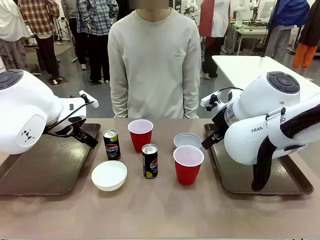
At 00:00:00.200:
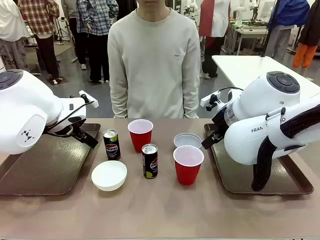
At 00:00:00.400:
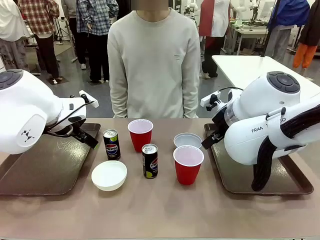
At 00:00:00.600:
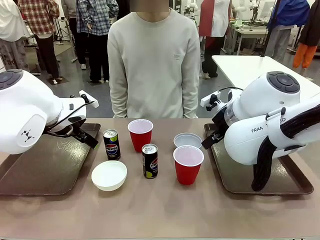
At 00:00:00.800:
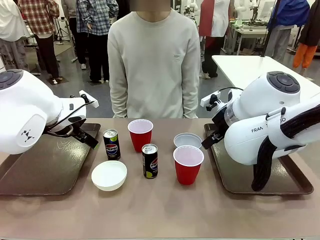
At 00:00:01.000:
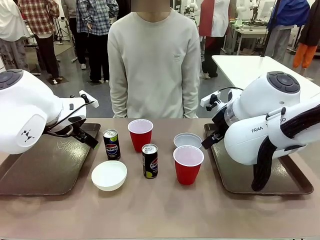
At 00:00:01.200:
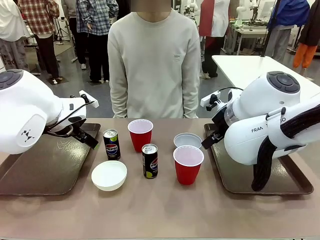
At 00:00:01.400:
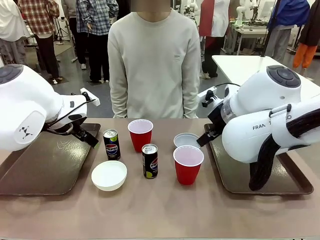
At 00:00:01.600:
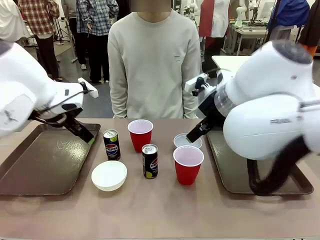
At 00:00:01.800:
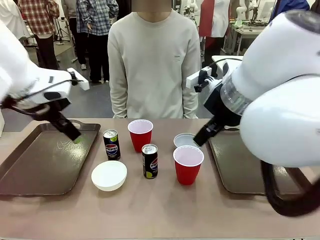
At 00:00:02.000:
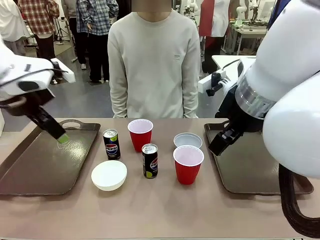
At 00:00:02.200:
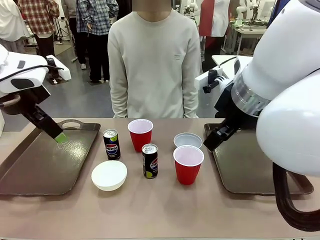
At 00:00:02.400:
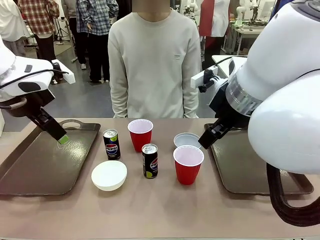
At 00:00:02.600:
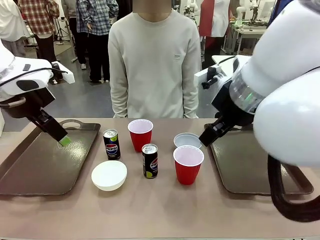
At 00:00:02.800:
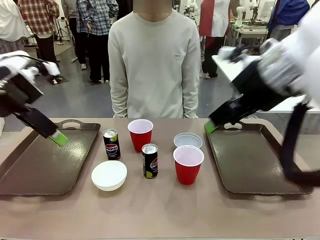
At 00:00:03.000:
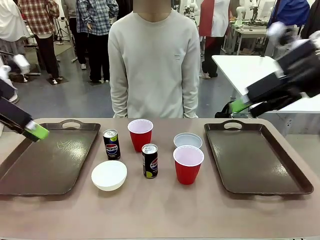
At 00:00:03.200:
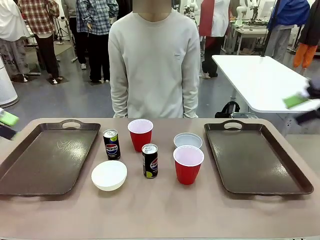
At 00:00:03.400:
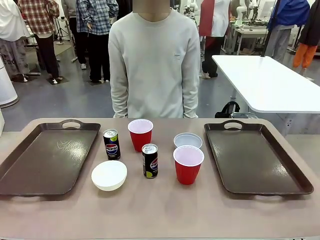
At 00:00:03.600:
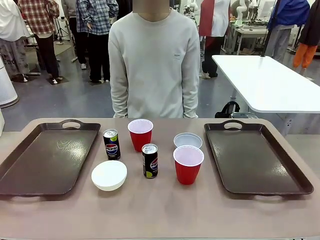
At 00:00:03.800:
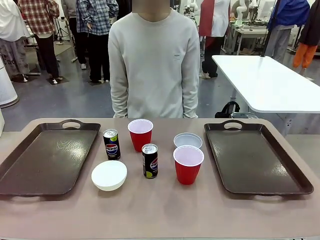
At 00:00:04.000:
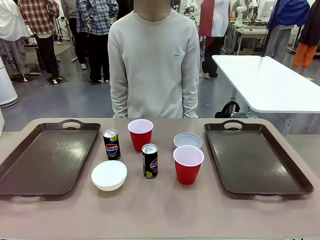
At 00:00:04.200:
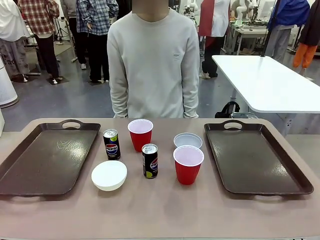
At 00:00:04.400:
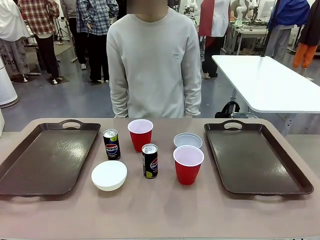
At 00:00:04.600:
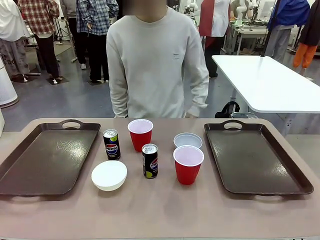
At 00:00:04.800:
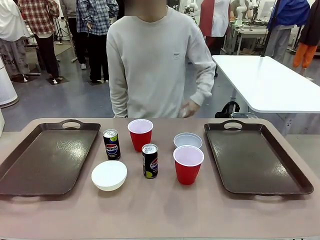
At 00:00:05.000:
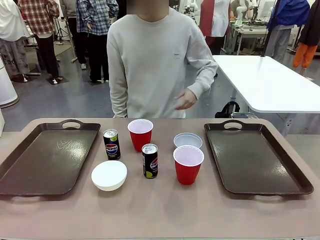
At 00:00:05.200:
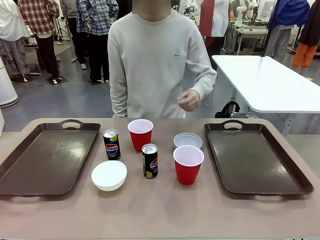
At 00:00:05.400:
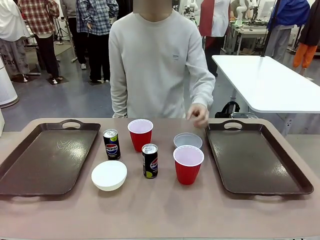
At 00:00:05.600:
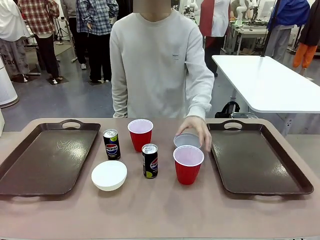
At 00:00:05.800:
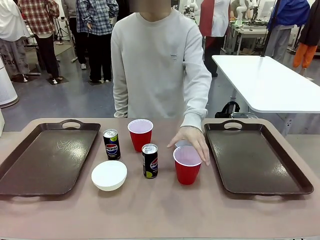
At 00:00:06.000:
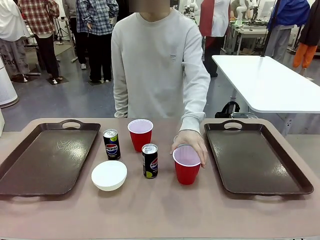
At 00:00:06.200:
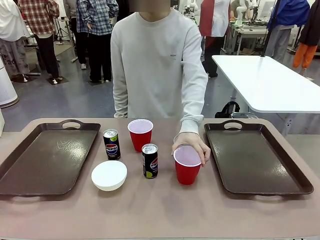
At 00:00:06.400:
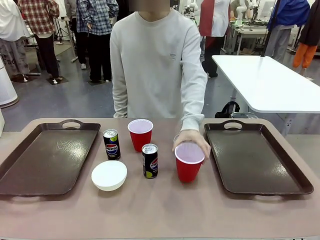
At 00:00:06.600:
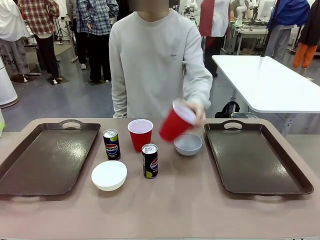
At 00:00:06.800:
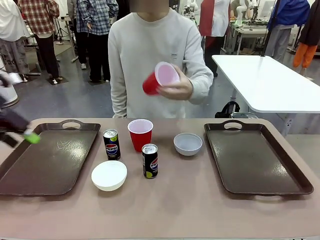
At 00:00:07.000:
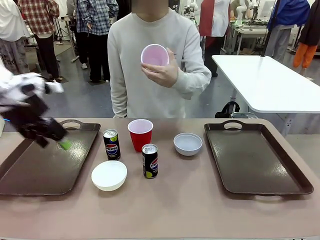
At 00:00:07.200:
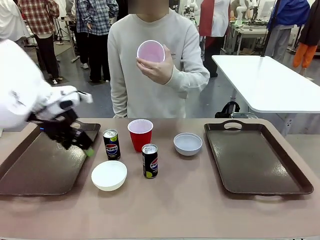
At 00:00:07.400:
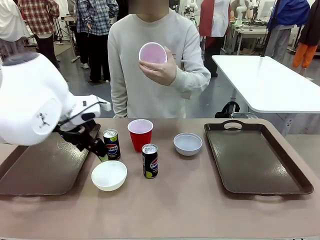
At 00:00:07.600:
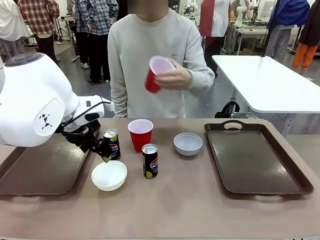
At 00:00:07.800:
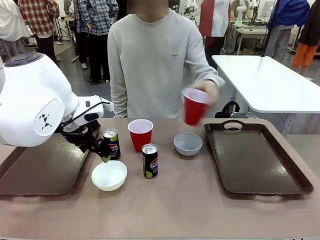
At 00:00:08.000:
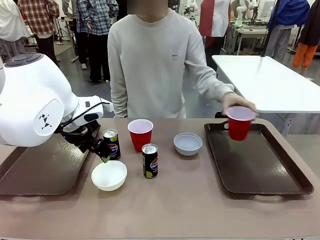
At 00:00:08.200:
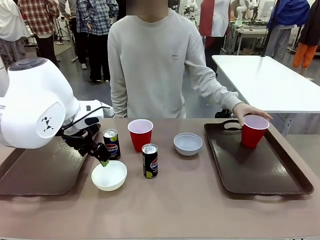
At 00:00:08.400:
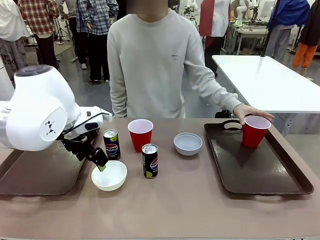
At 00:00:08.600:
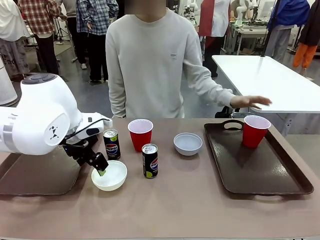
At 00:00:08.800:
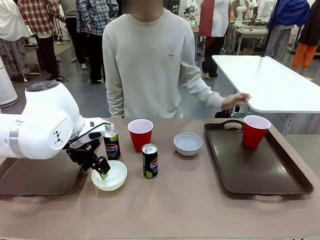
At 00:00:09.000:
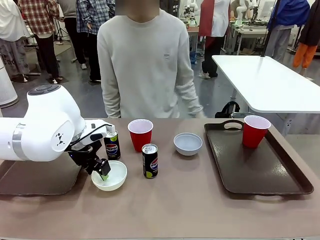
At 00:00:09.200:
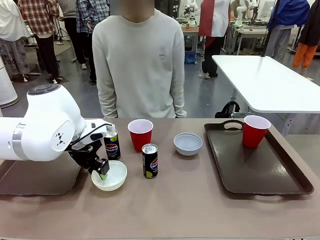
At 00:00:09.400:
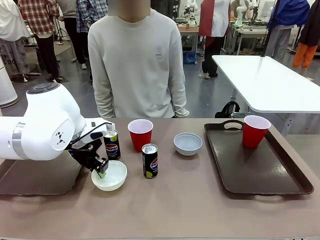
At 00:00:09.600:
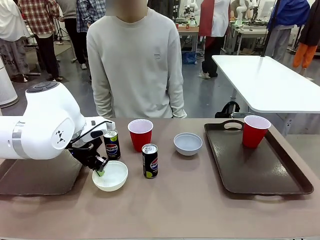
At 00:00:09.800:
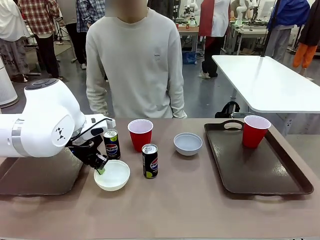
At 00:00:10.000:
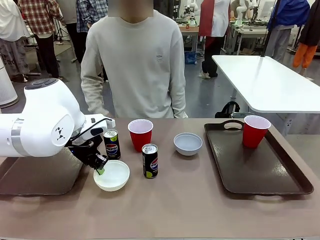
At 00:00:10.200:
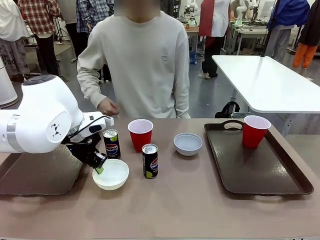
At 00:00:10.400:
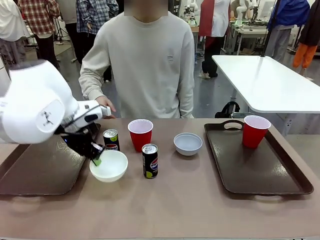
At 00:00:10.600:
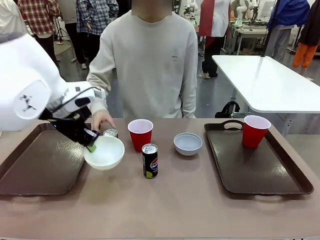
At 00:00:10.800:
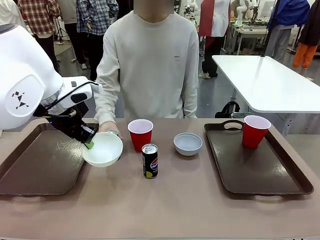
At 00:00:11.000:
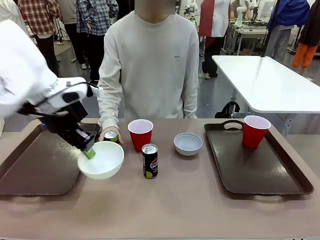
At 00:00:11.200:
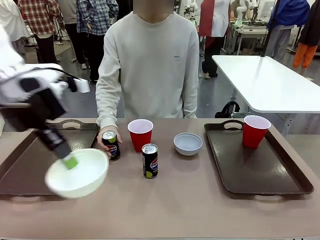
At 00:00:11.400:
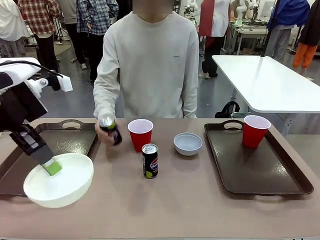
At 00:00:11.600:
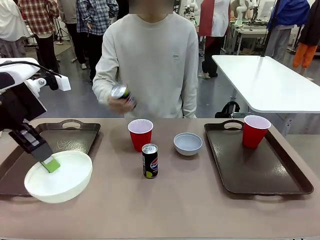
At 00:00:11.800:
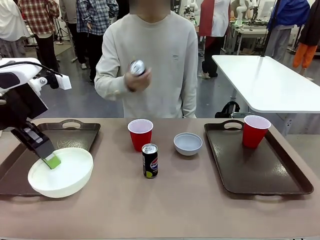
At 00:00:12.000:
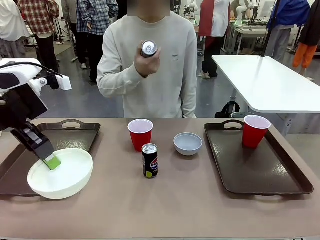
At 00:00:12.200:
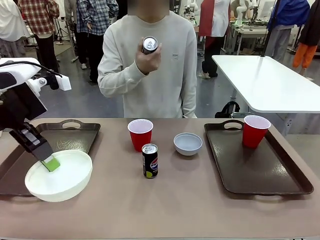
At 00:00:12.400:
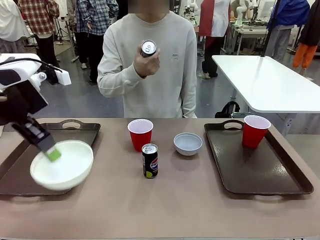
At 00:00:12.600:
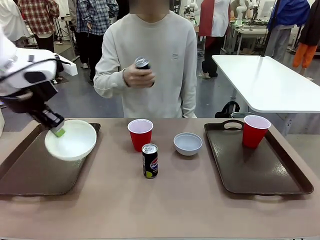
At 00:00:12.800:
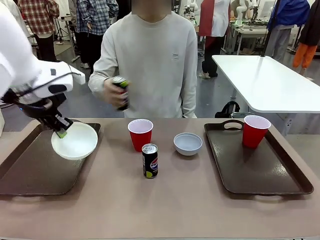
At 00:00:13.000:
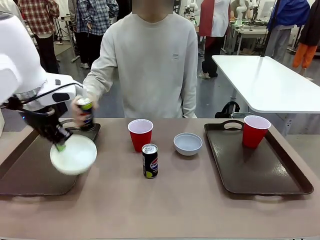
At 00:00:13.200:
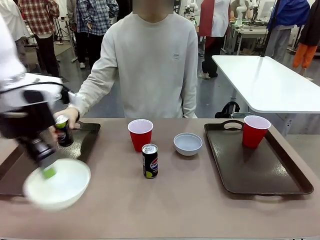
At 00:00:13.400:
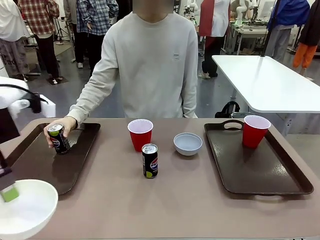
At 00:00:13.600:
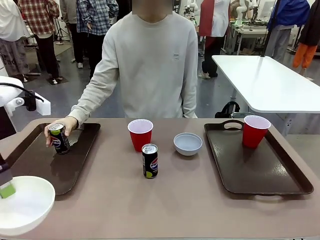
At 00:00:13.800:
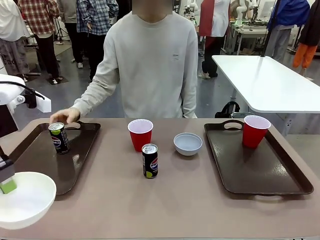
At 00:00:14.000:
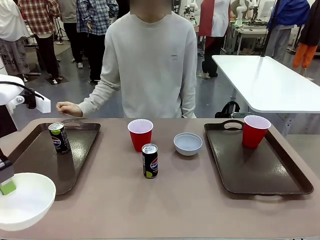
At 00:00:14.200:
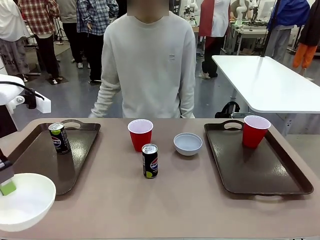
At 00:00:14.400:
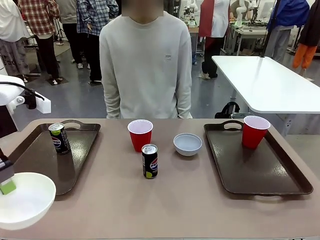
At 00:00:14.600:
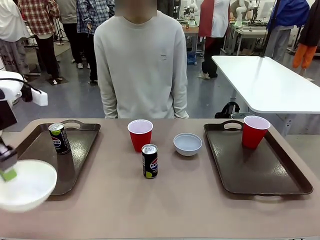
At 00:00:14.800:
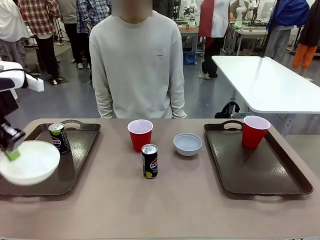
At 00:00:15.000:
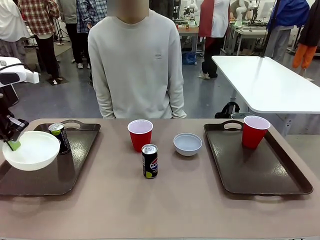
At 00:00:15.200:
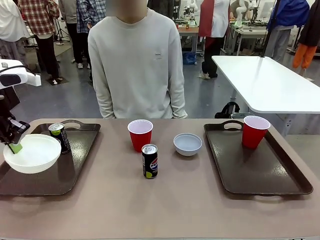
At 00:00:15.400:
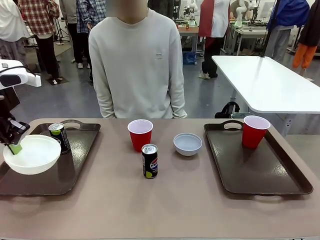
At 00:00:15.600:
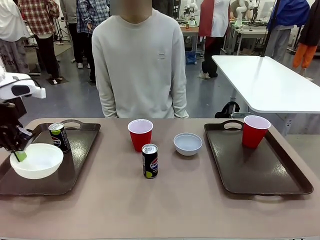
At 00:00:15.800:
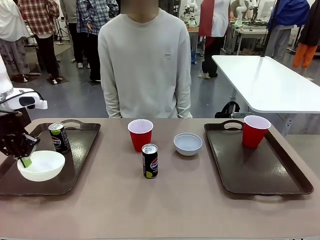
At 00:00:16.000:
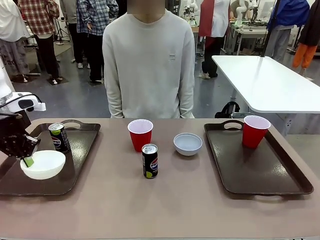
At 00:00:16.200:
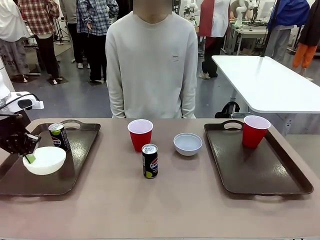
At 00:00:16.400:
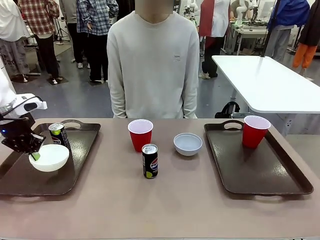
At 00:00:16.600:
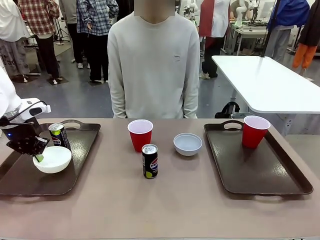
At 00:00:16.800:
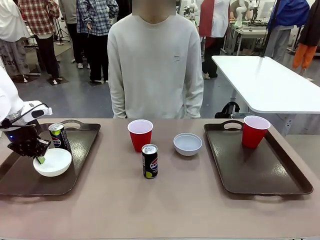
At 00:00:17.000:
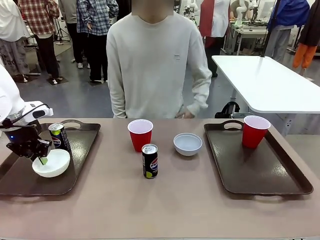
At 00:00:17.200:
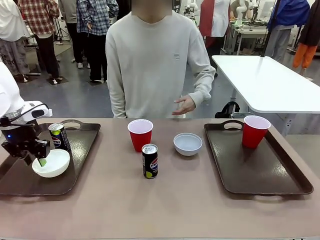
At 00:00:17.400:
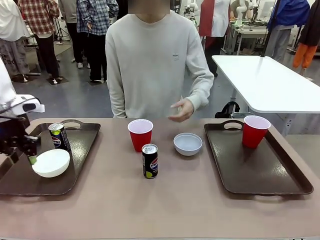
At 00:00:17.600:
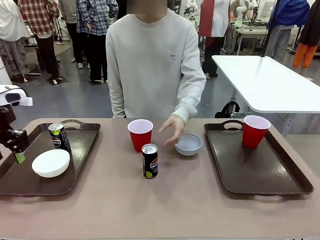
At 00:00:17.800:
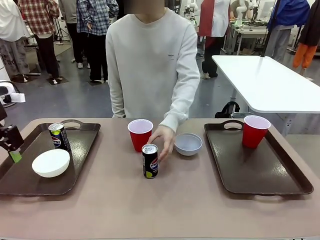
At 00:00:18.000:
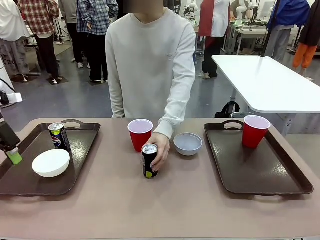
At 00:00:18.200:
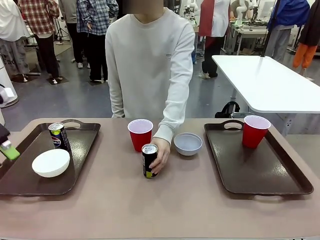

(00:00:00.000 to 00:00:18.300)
Task: Prepare tableware on both trays.
Robot: Pick up a Picnic Bowl from the table and place it on a Handle tray.
Person: Pick up a can or cup and place it on the tray.
